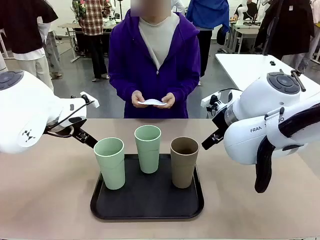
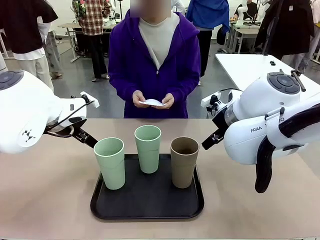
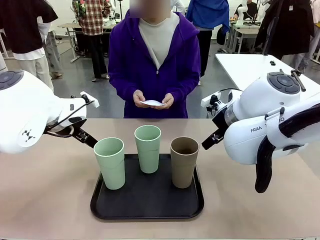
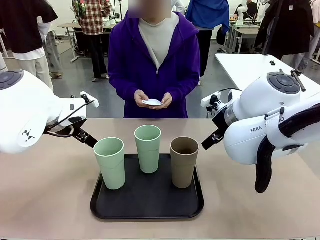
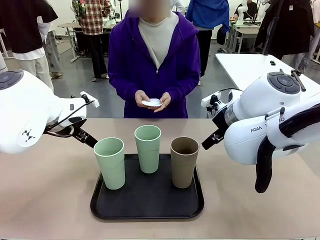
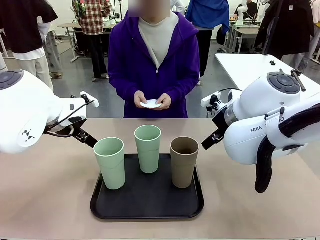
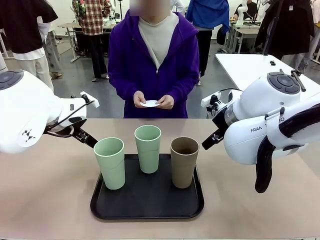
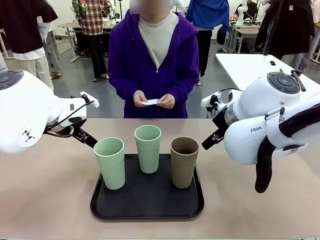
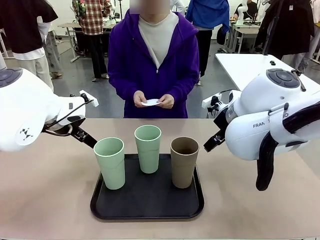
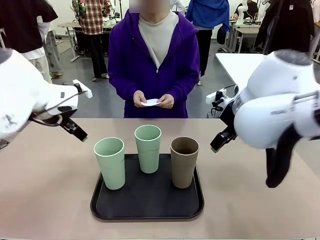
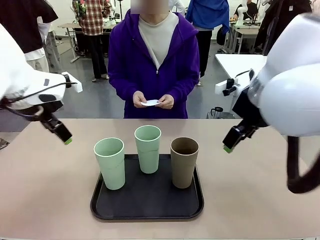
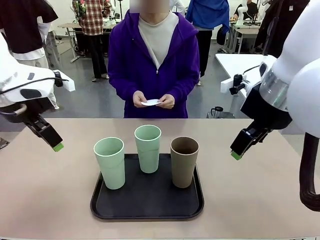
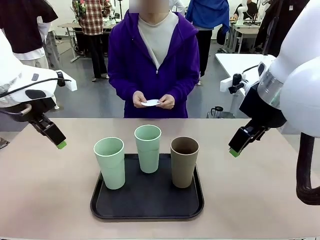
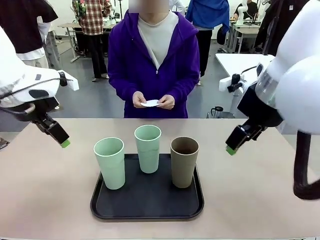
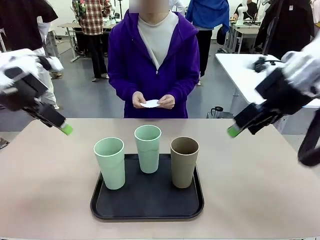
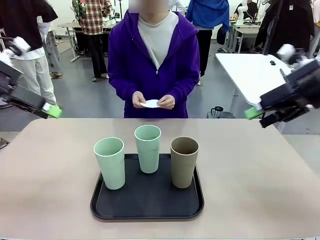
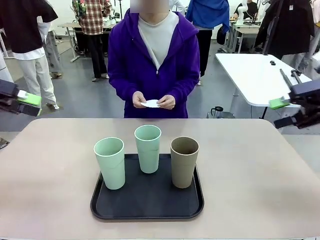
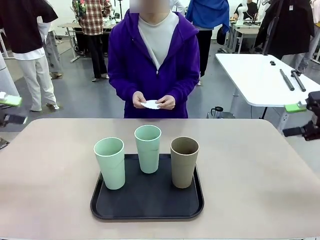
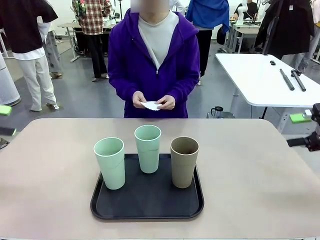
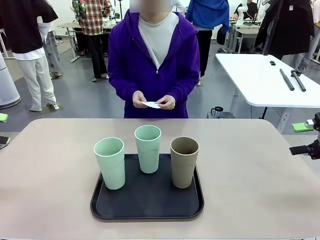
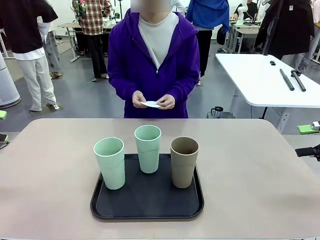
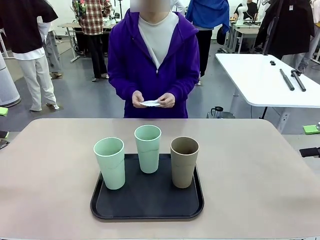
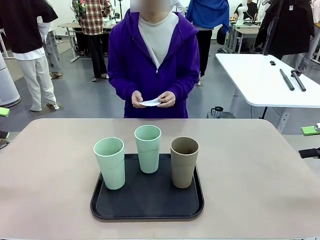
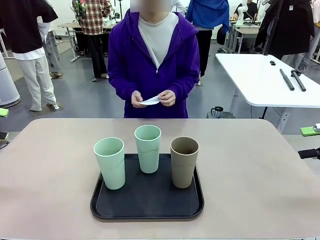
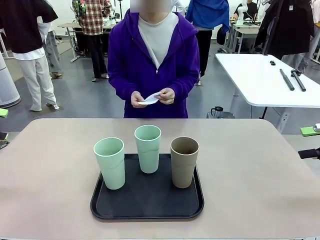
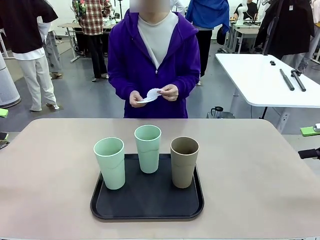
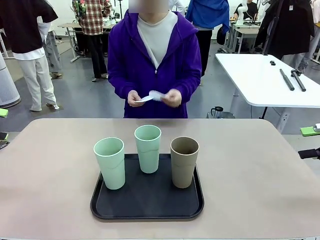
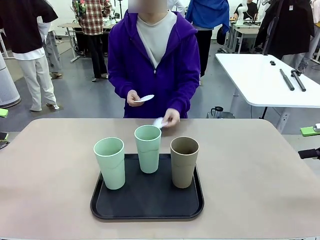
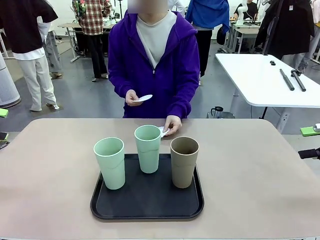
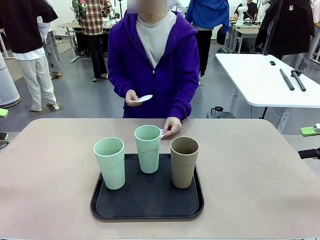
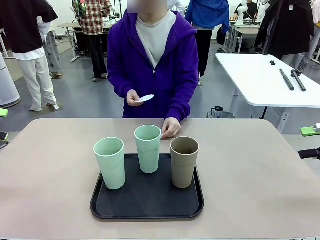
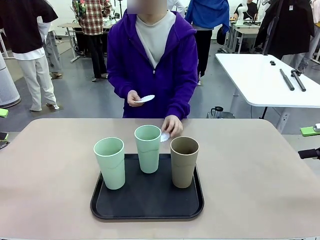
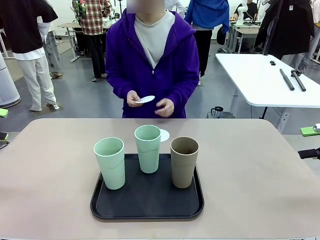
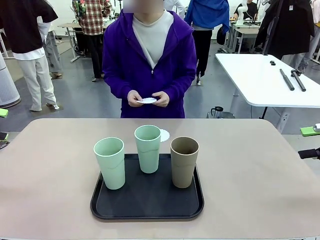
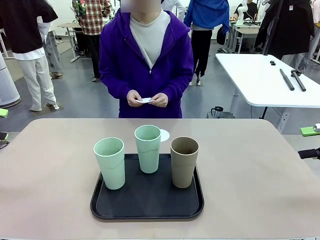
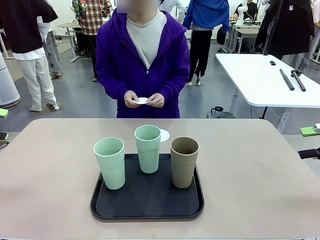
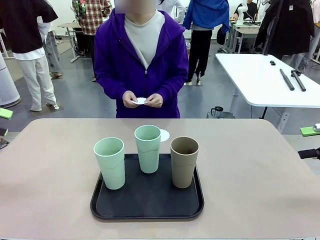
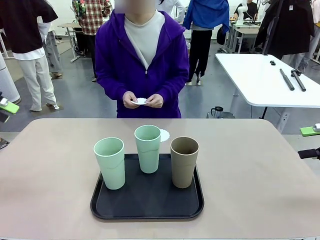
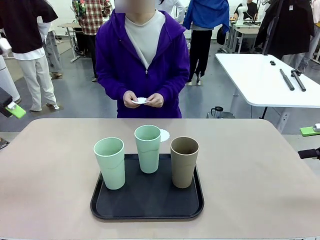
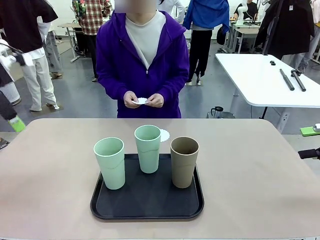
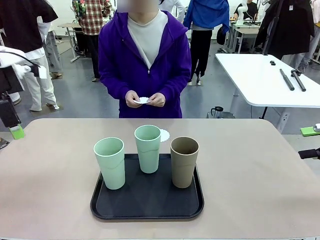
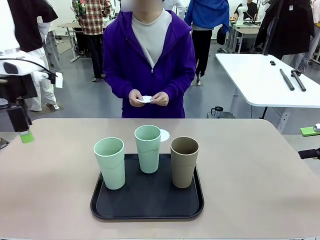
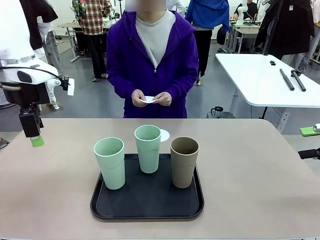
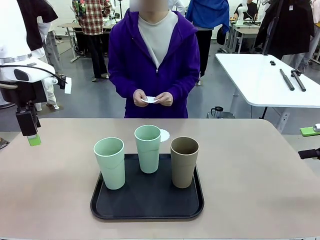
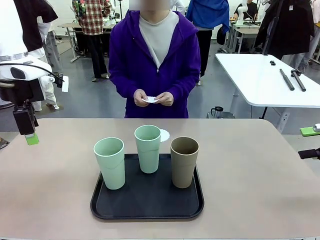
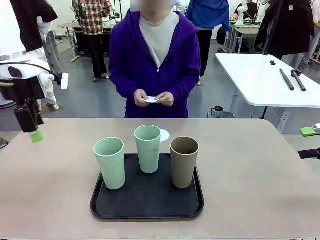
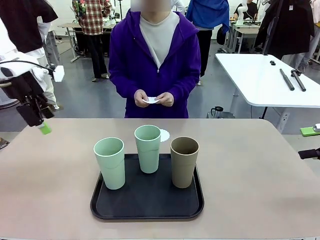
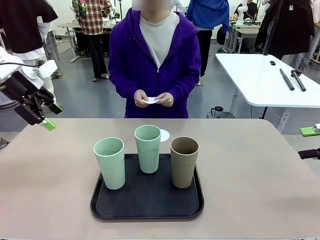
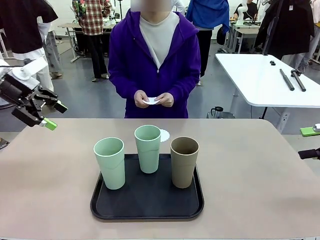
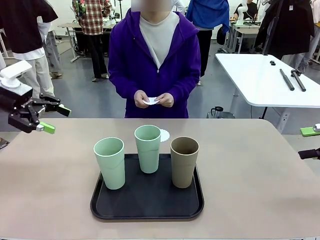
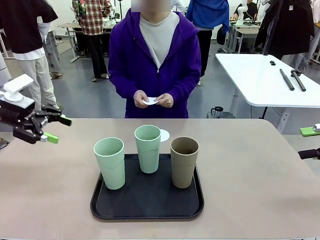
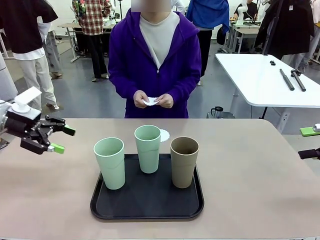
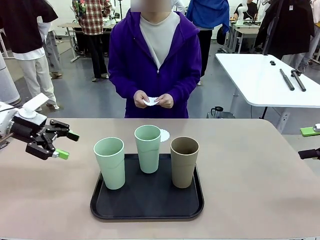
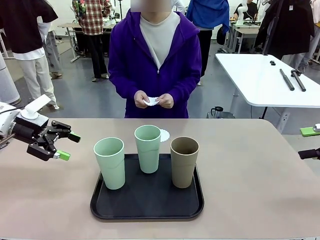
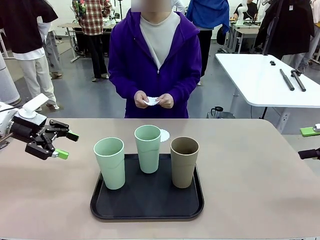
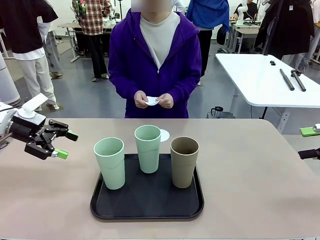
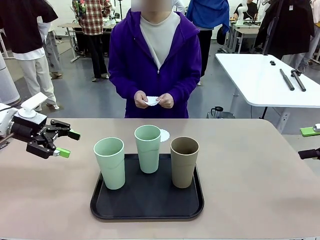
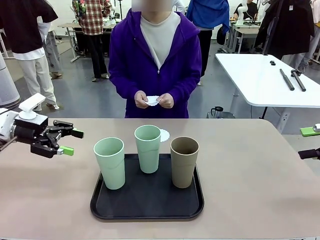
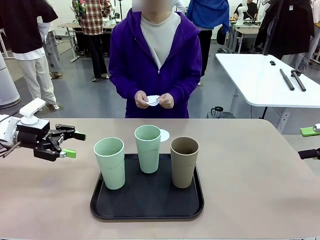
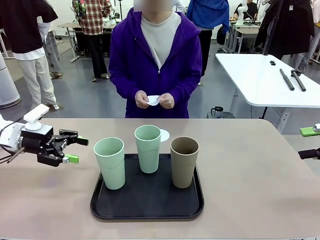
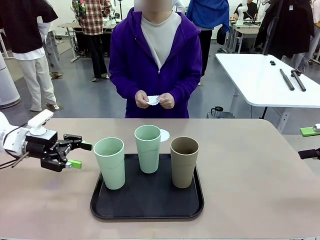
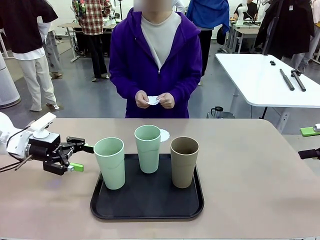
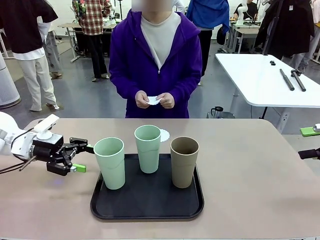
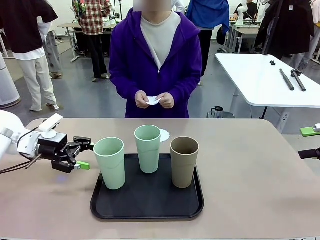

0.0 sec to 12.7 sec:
Task: Place coasters on the table and set cups on them.
Robot: Pick up one Reusable plastic cup and place it on a coaster set by the human.
Person: Place one coaster in any one of the three lower areas of the robot table (left, center, or right).
